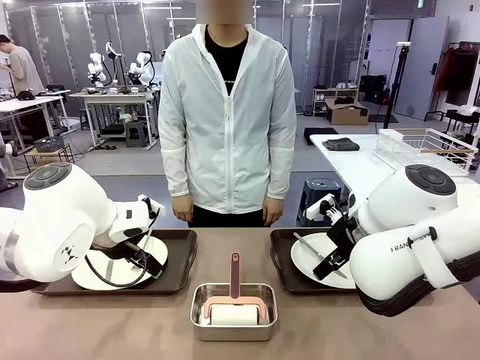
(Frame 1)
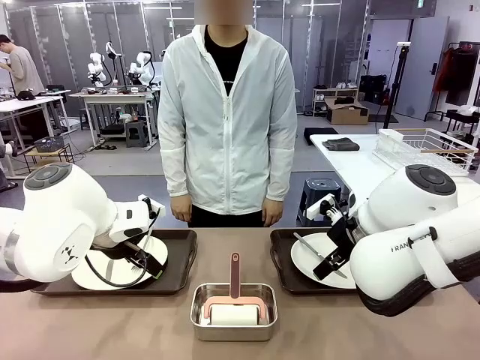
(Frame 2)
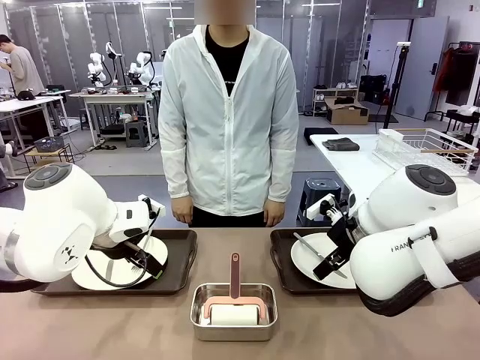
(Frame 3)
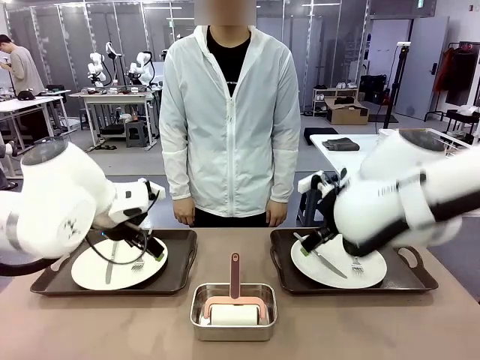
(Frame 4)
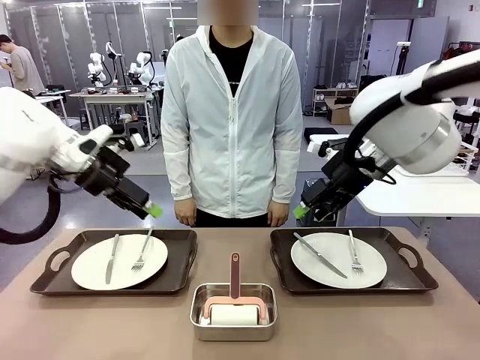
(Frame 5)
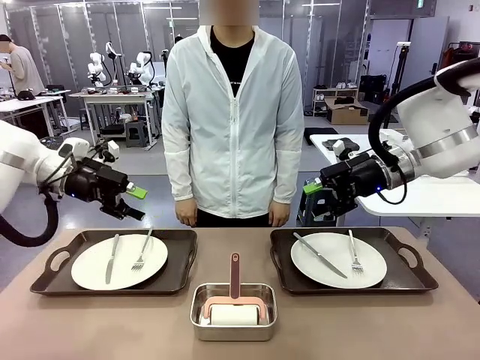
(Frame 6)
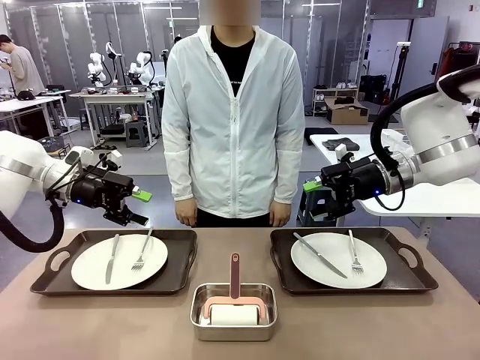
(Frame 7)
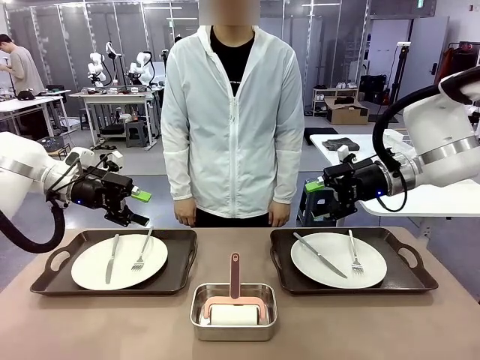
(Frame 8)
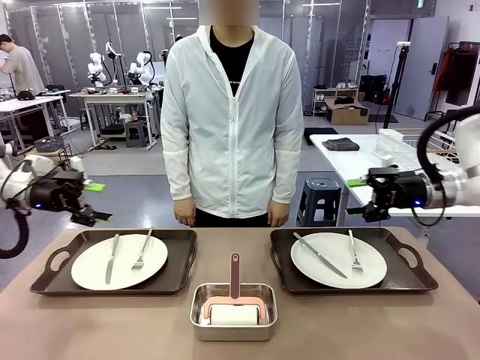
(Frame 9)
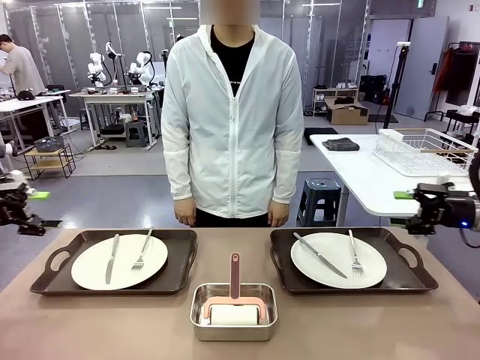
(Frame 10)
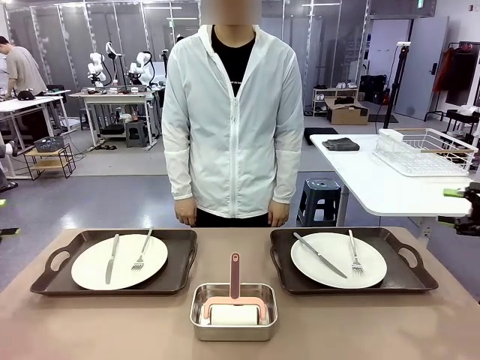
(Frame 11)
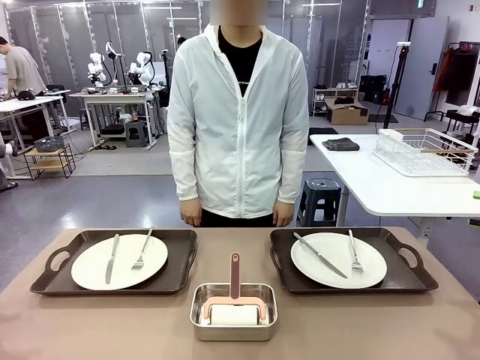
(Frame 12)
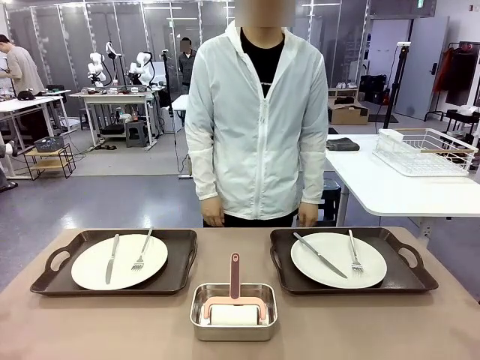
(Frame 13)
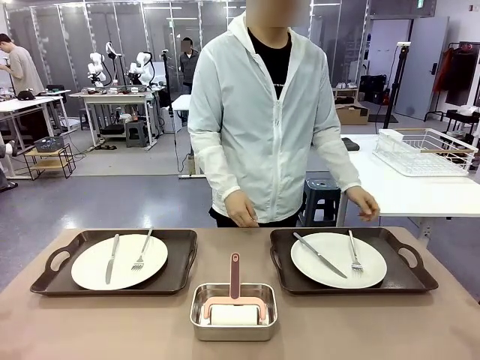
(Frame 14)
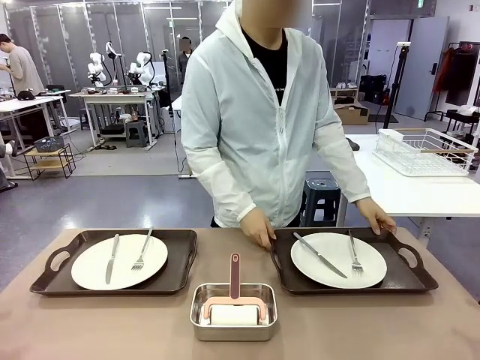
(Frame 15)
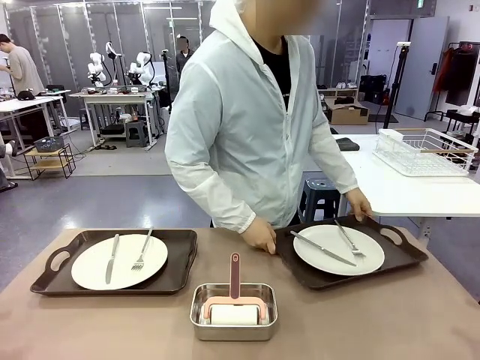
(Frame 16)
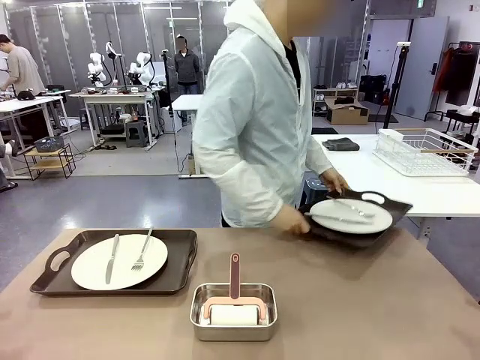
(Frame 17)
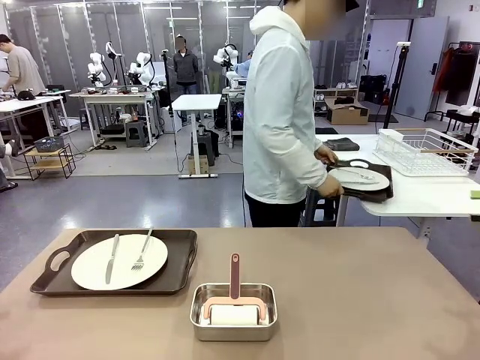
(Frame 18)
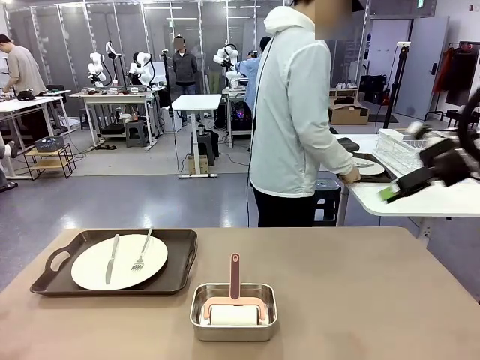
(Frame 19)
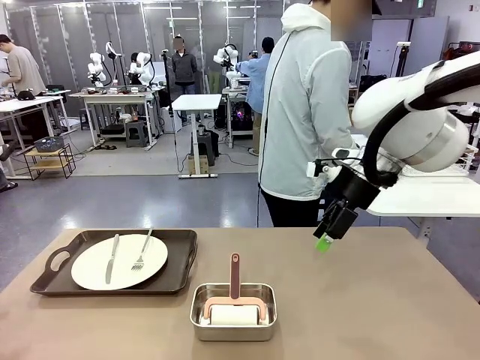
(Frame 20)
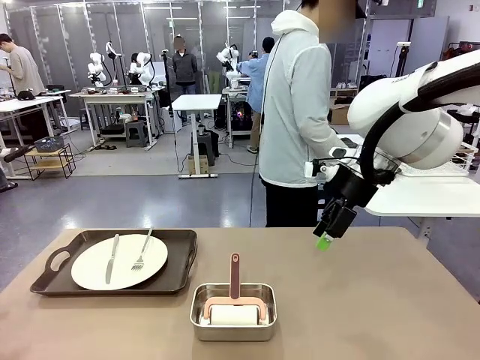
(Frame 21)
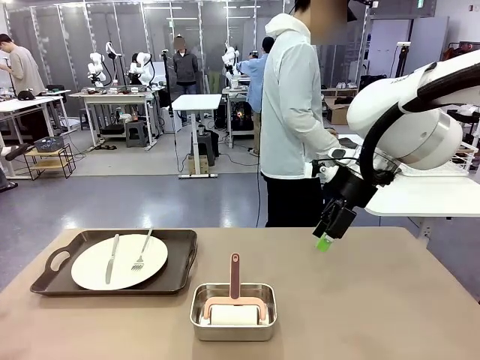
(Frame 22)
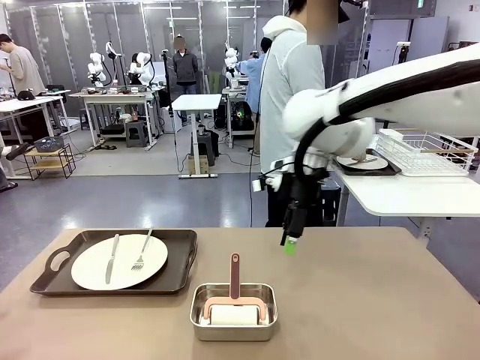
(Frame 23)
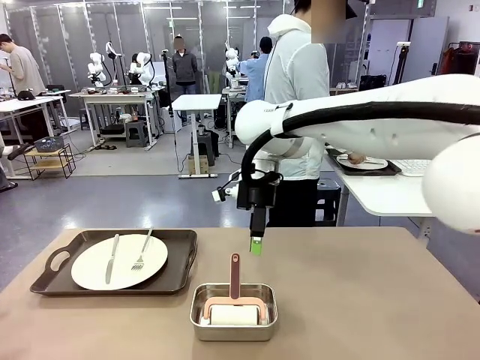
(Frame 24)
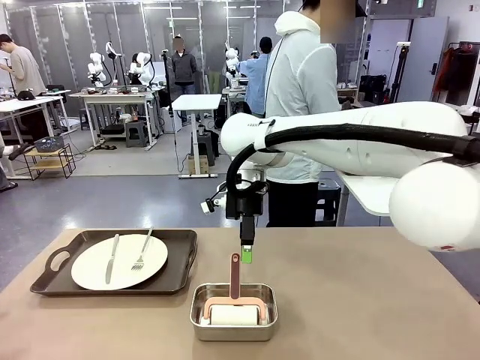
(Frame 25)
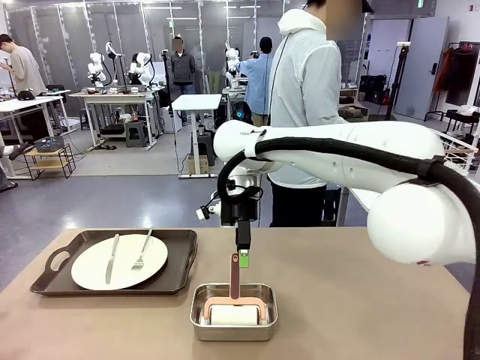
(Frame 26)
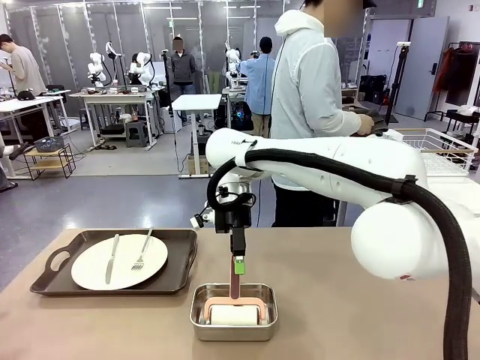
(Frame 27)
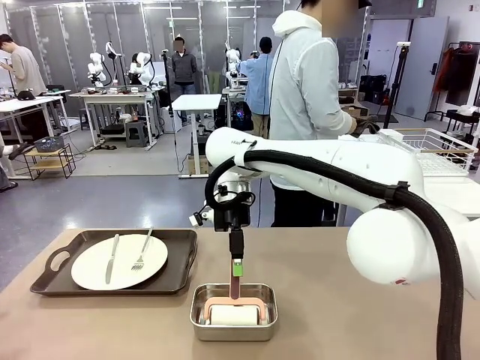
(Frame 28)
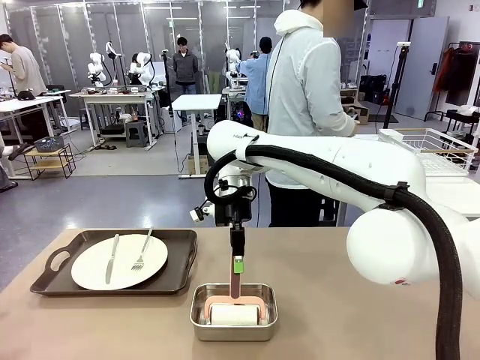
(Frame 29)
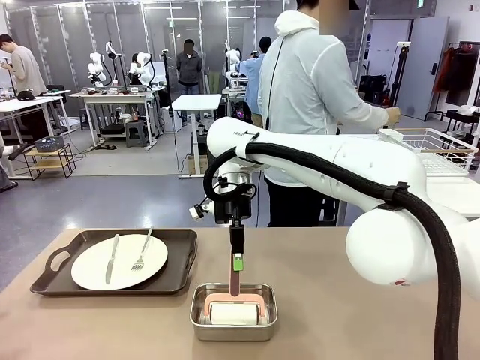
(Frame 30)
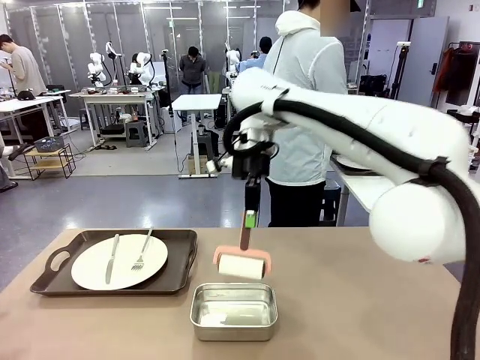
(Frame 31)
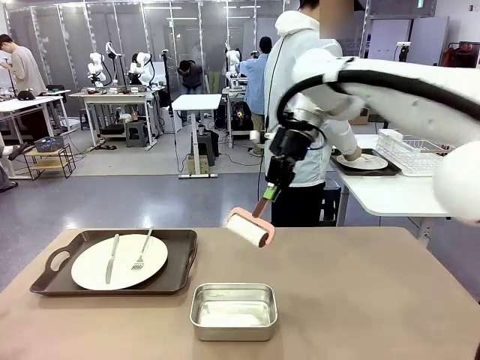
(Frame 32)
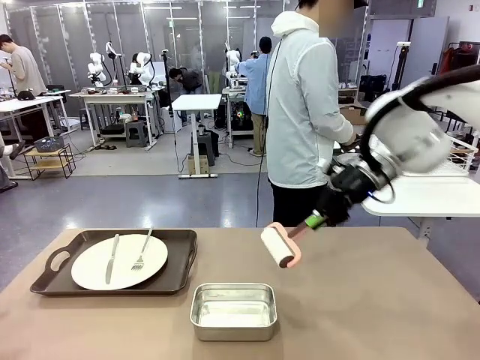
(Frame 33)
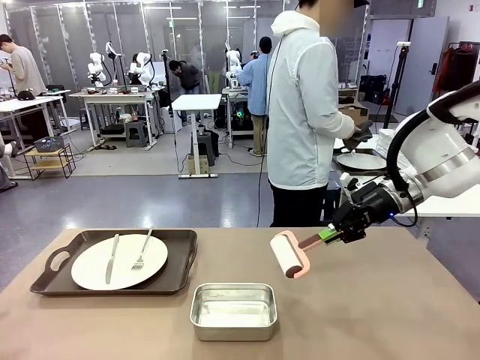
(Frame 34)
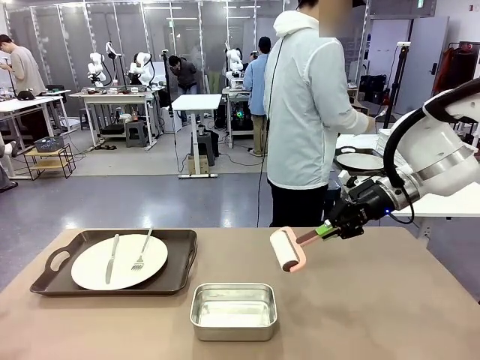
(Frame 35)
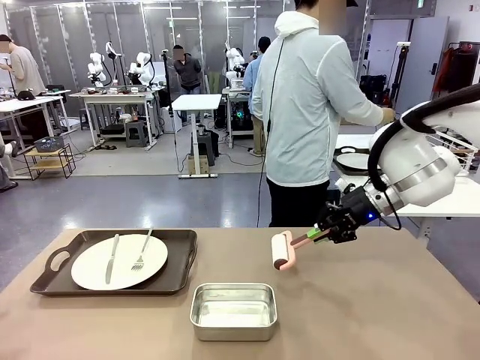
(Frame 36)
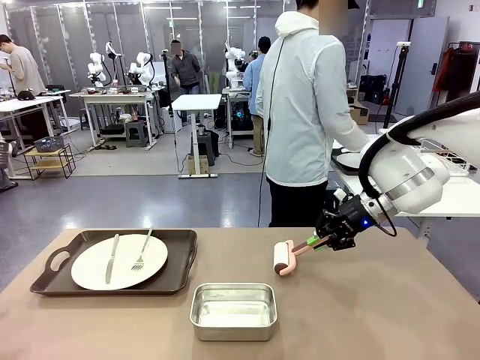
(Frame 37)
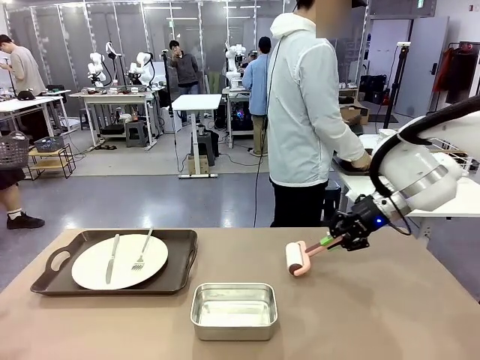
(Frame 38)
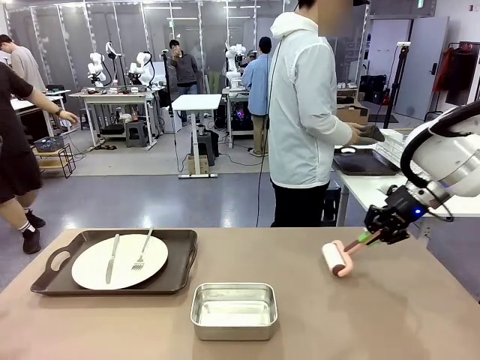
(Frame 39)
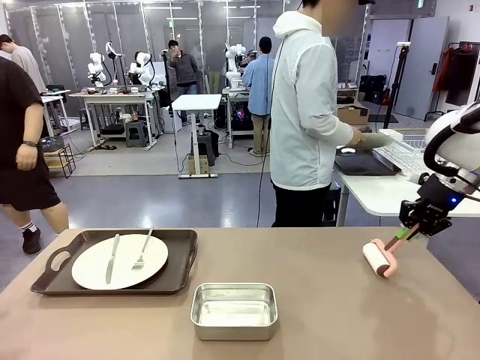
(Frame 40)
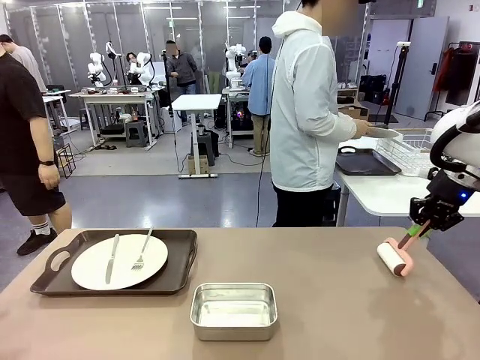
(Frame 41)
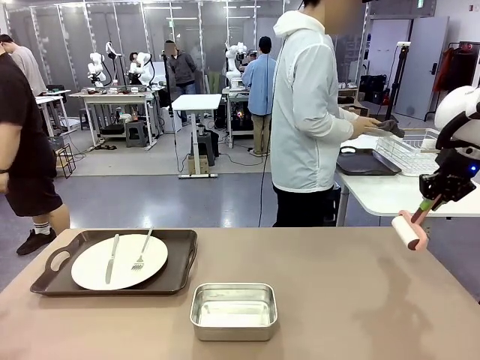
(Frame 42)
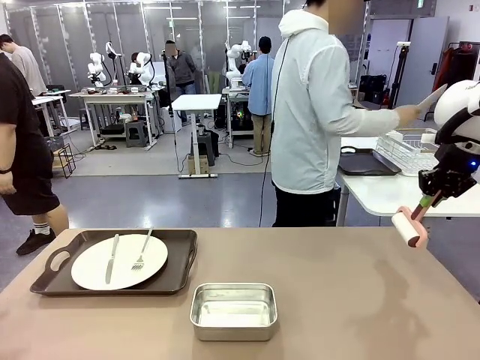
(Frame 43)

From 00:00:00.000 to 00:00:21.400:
Robot: When the left (or right) Handle tray is removed, use the left hand (or right hand) to clean the left (or right) side of the table with the Lint Roller.
Person: Pick up the left (or right) Handle tray and place it on the middle of the Human's table. Use the Towel with hook to wipe the Plastic Matte Plate , Fork , and Knife and place into the Dish drying rack.

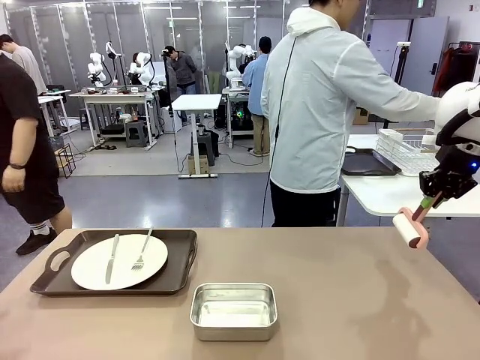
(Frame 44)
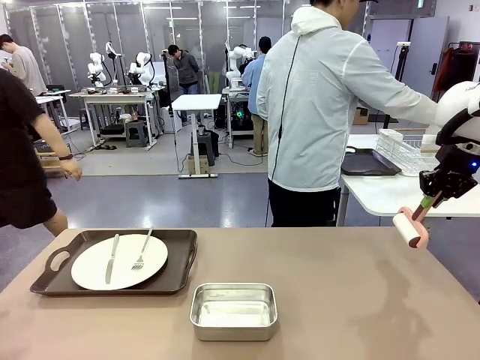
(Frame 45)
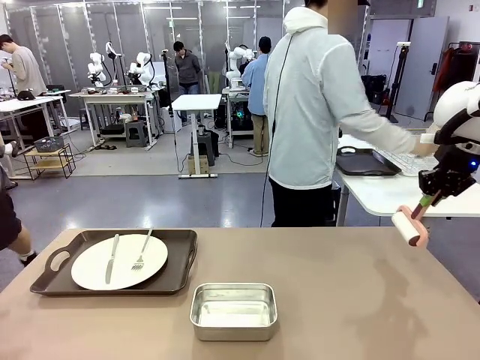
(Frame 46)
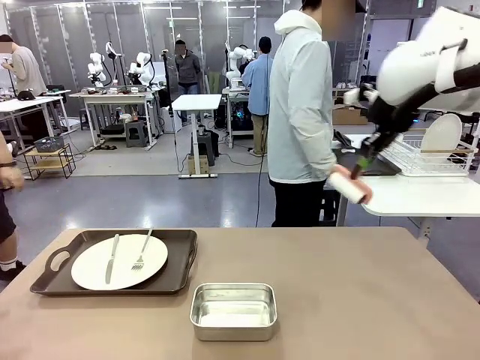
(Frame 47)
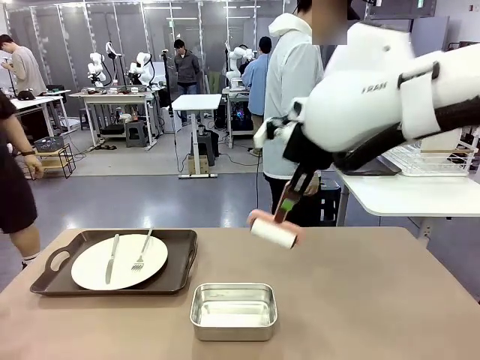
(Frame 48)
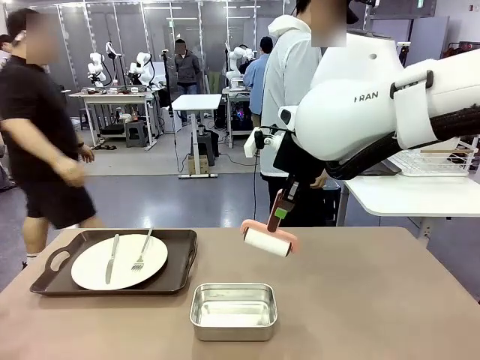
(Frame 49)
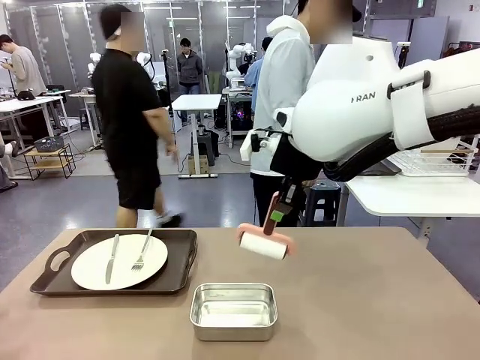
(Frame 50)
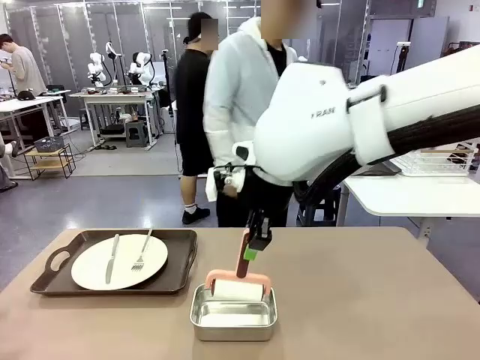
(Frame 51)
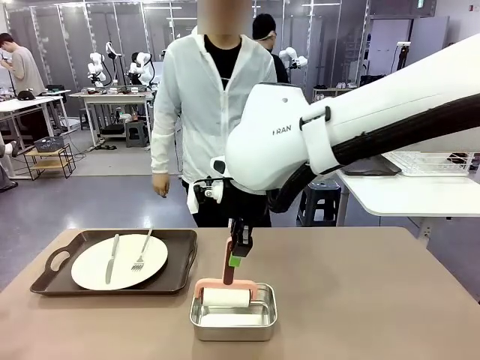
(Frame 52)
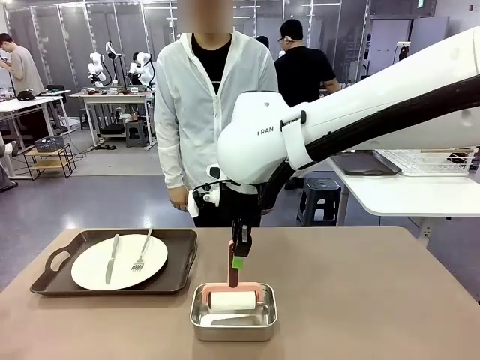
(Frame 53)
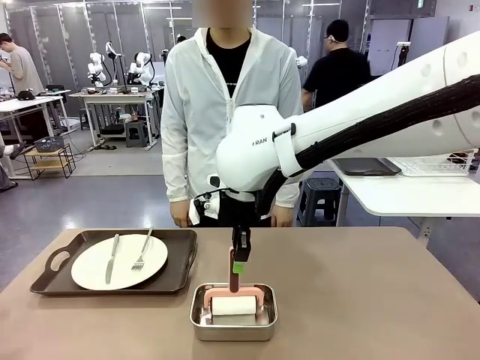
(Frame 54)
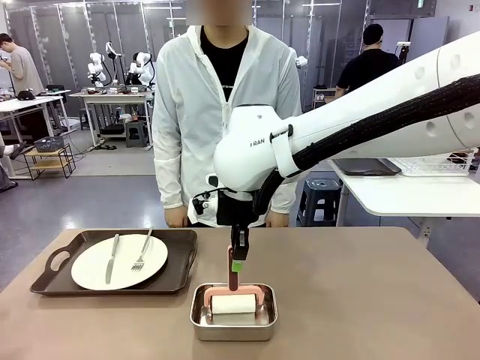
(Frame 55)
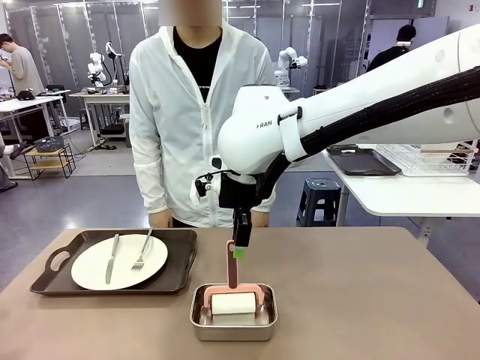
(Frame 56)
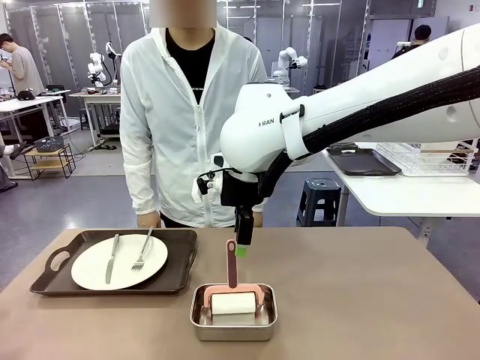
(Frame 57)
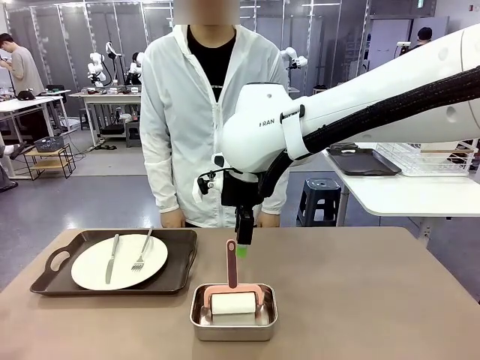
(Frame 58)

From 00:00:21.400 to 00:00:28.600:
Robot: Place the Lint Roller back on top of the Airtight Container.
